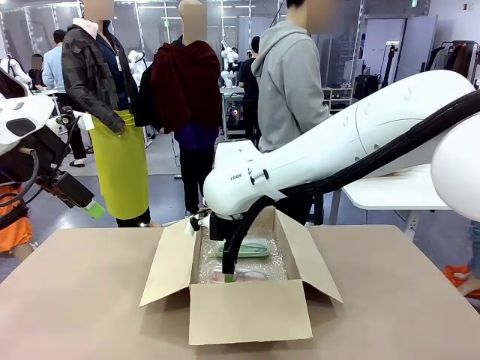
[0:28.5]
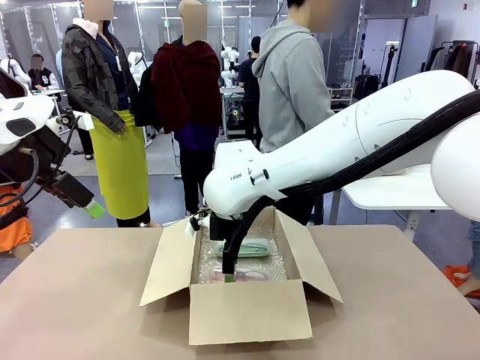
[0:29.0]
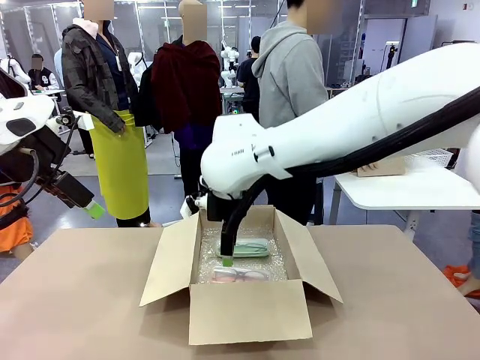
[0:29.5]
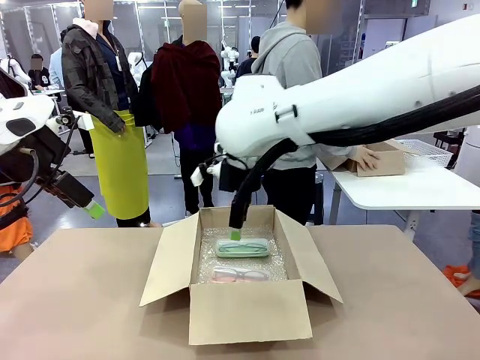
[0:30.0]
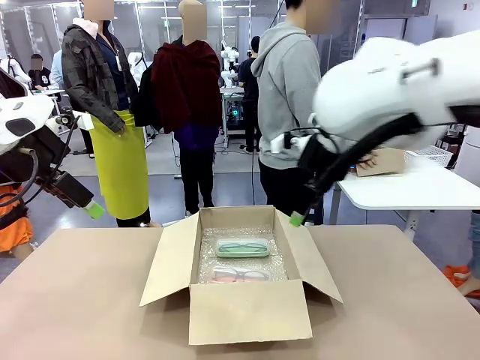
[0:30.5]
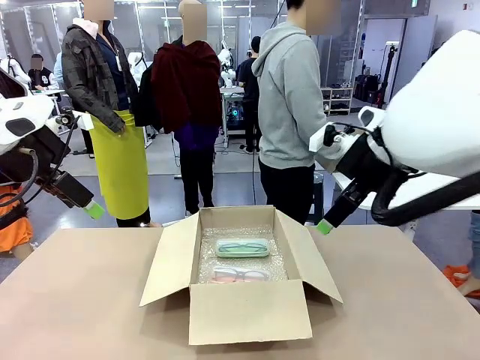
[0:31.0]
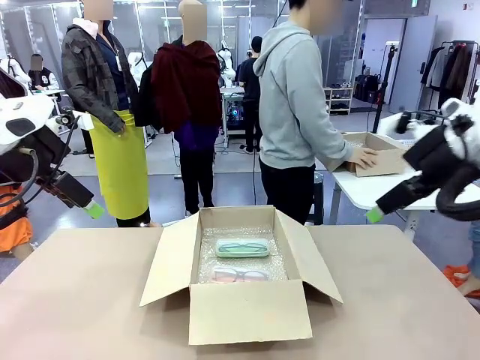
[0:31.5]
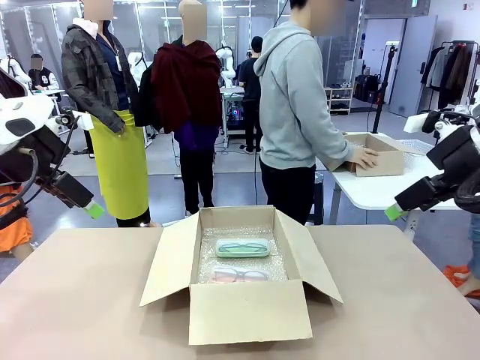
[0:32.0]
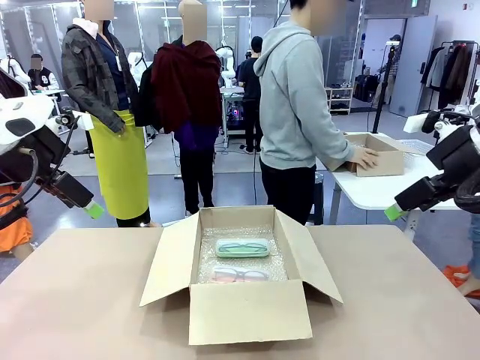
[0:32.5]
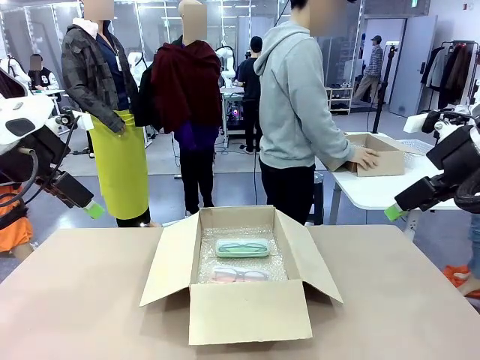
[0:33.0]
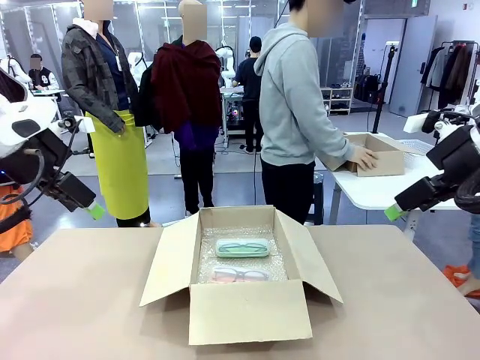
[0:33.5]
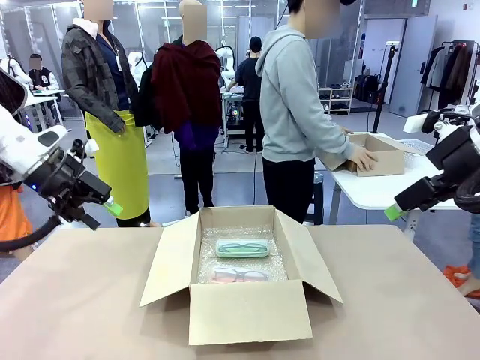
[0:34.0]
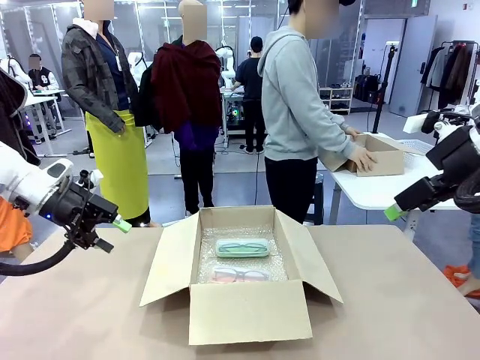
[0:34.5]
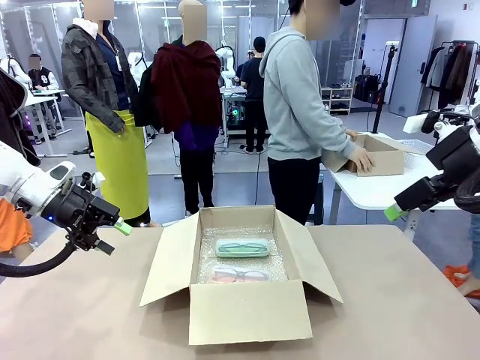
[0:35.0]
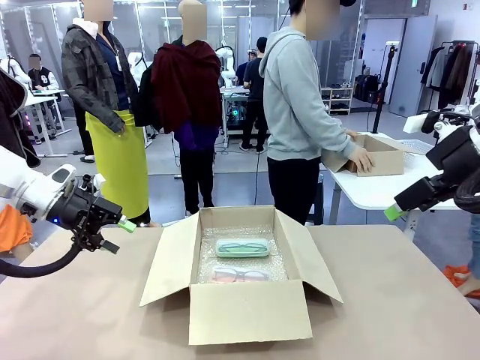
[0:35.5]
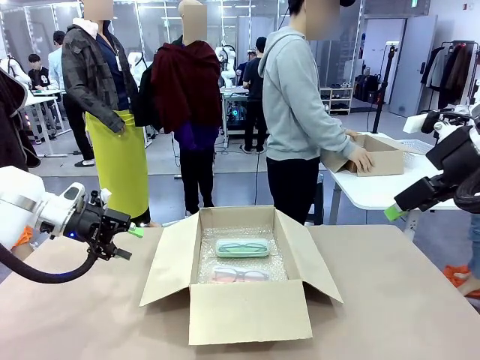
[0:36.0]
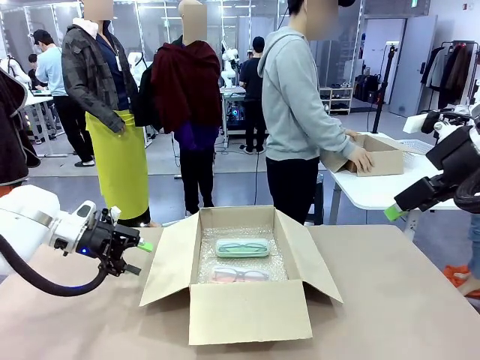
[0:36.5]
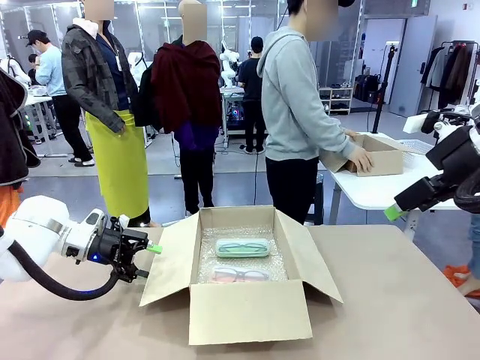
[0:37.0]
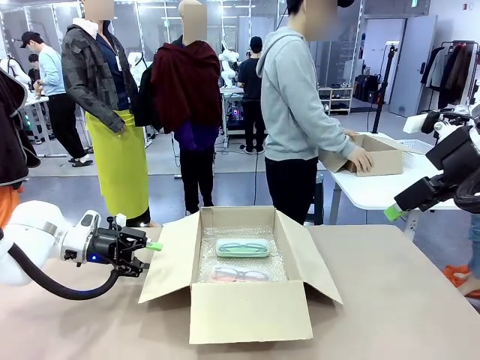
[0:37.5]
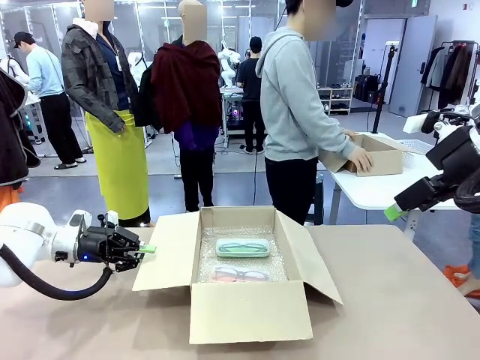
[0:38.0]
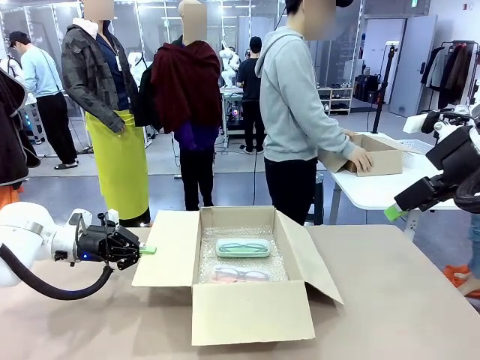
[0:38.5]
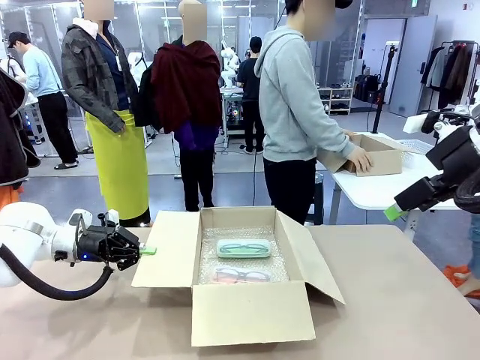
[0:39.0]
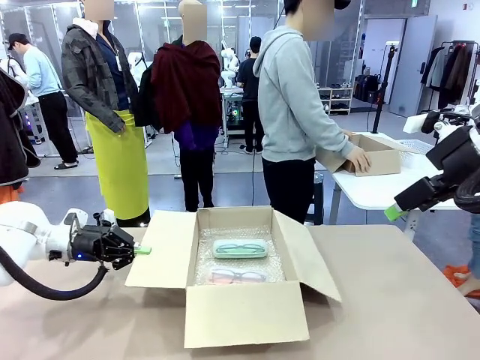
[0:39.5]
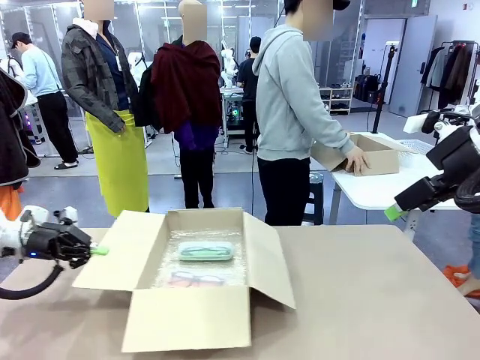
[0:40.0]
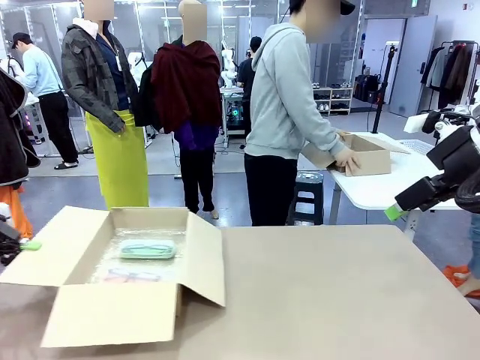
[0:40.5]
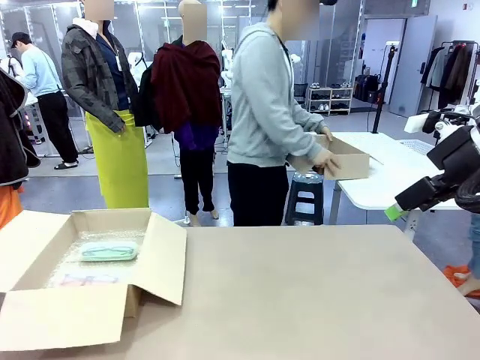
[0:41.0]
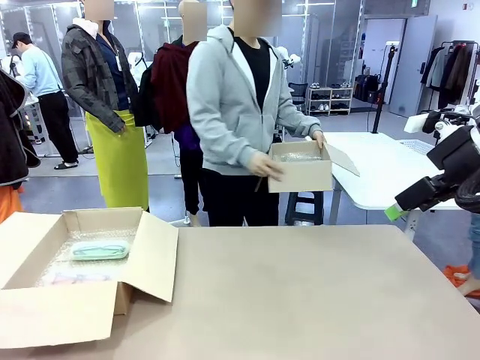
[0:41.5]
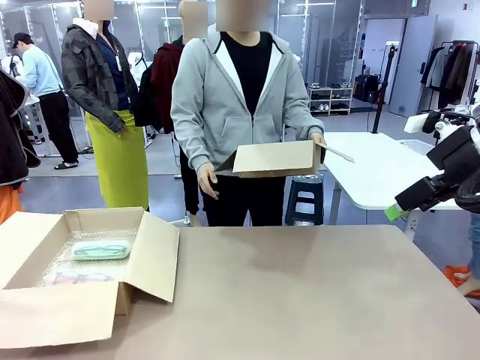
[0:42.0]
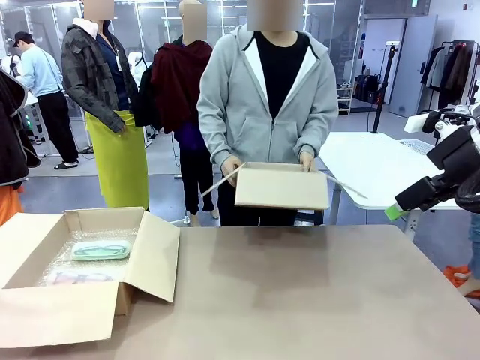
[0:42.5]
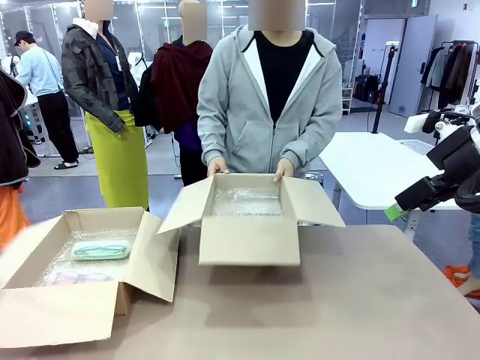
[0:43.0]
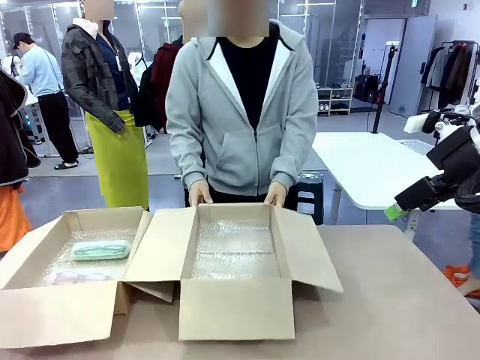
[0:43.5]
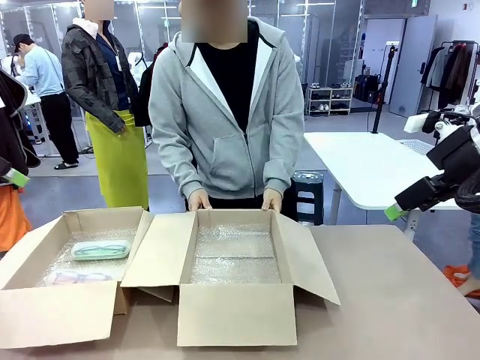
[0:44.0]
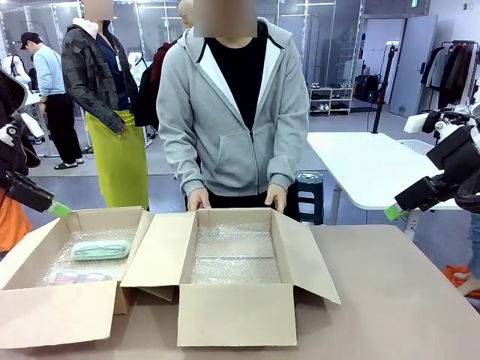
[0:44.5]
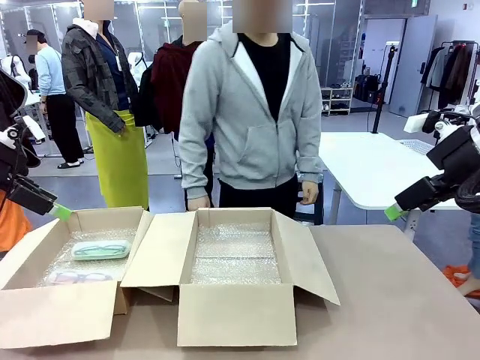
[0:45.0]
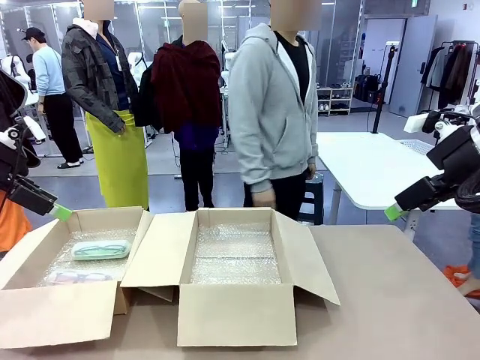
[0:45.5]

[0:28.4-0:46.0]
Task: Pack the glasses set securely to prepare it for shipping.
Robot: Position the Package Box on the left side of the table.
Person: Position the empty Package Box in the middle of the robot's table.
